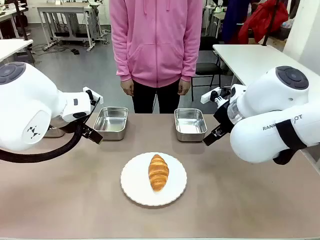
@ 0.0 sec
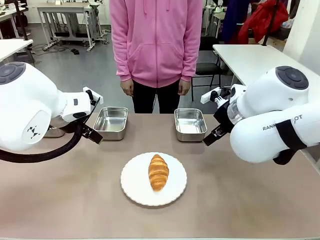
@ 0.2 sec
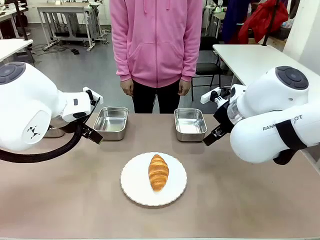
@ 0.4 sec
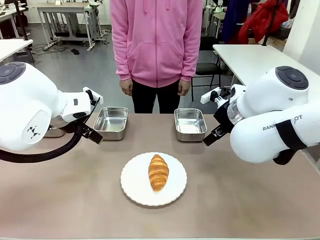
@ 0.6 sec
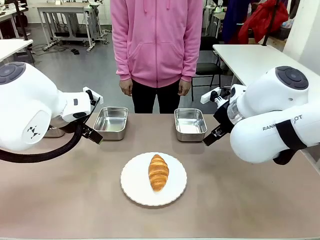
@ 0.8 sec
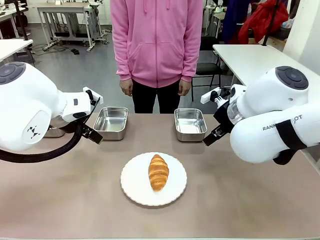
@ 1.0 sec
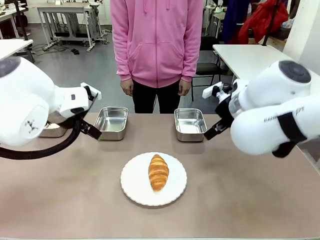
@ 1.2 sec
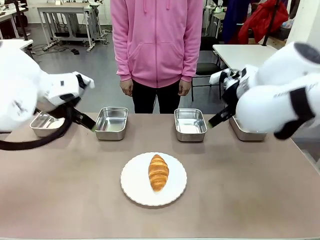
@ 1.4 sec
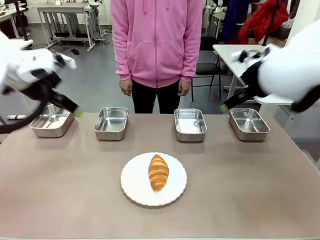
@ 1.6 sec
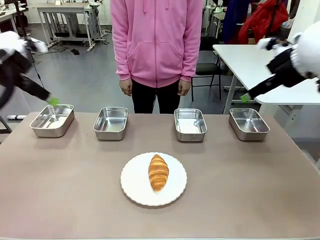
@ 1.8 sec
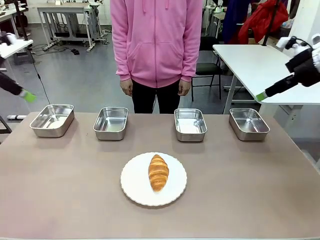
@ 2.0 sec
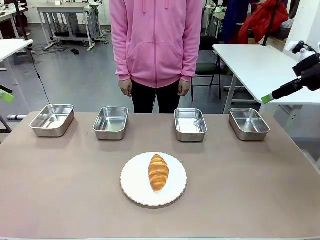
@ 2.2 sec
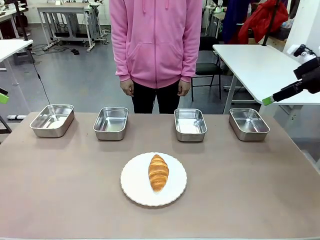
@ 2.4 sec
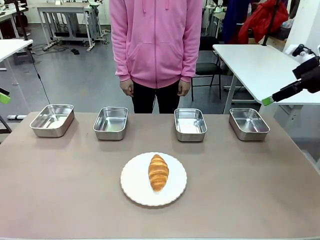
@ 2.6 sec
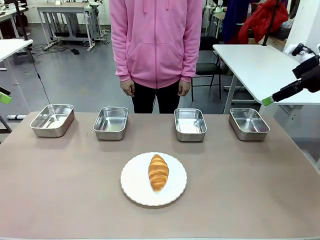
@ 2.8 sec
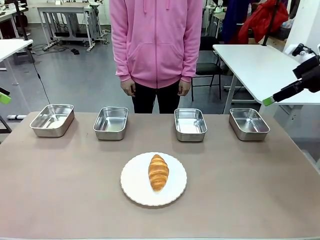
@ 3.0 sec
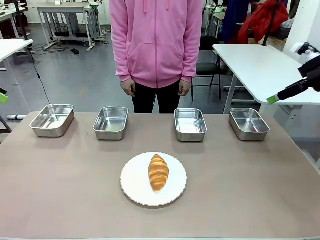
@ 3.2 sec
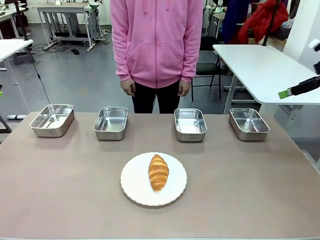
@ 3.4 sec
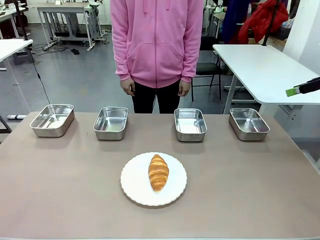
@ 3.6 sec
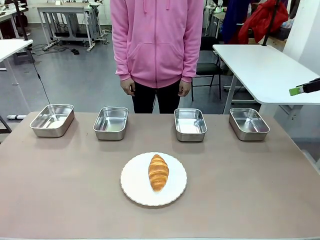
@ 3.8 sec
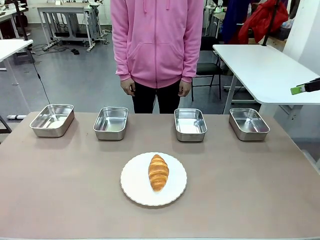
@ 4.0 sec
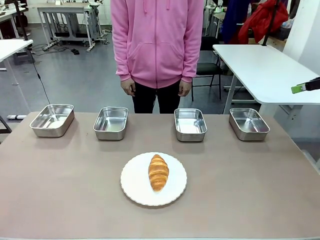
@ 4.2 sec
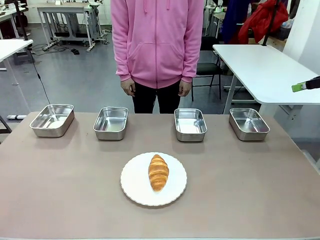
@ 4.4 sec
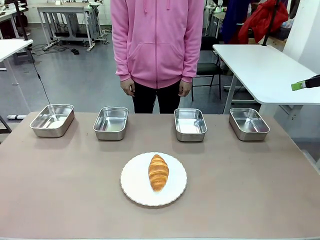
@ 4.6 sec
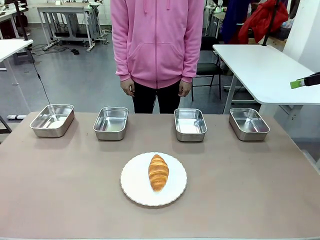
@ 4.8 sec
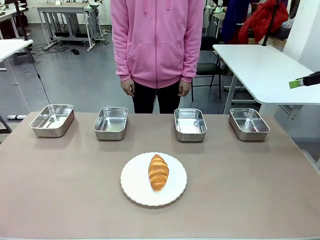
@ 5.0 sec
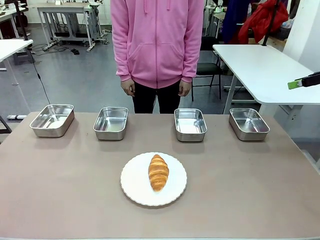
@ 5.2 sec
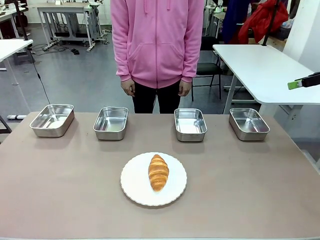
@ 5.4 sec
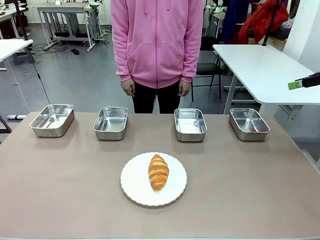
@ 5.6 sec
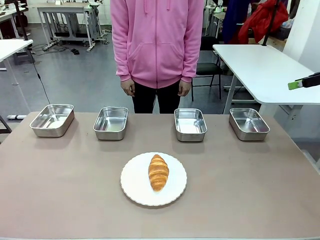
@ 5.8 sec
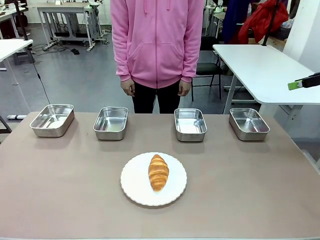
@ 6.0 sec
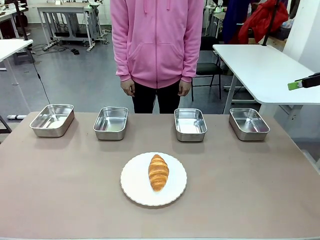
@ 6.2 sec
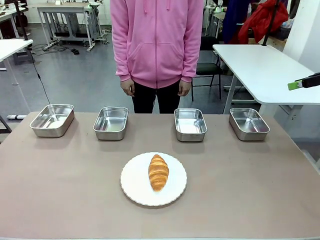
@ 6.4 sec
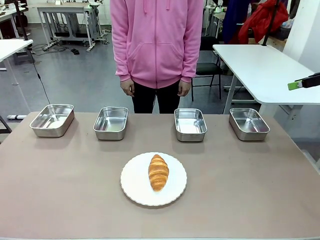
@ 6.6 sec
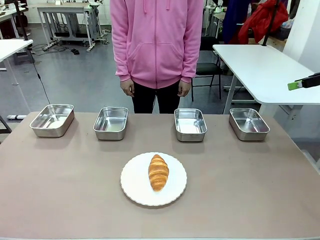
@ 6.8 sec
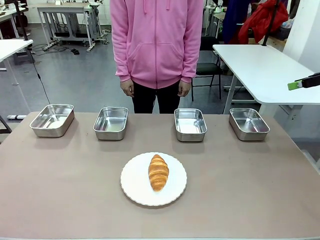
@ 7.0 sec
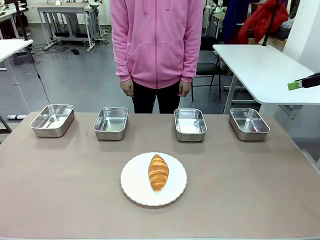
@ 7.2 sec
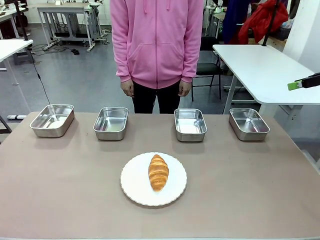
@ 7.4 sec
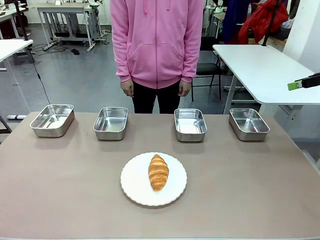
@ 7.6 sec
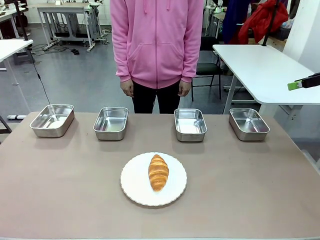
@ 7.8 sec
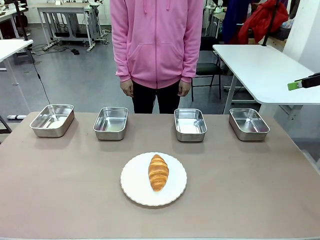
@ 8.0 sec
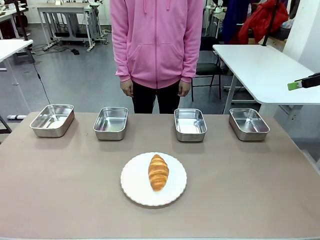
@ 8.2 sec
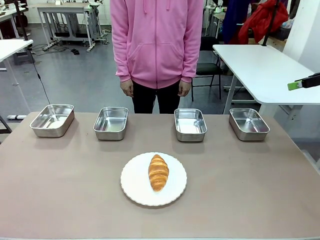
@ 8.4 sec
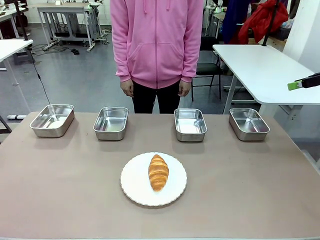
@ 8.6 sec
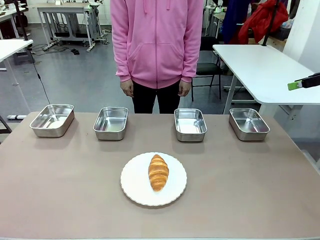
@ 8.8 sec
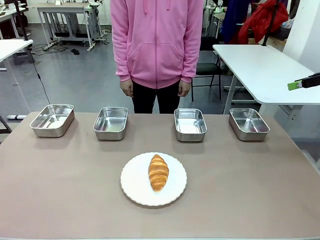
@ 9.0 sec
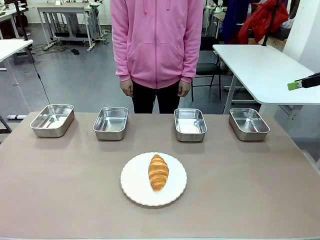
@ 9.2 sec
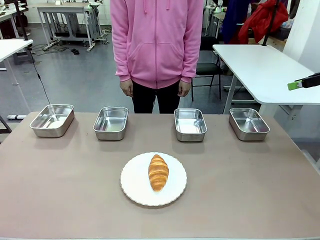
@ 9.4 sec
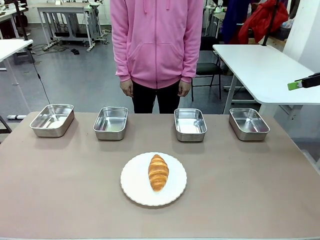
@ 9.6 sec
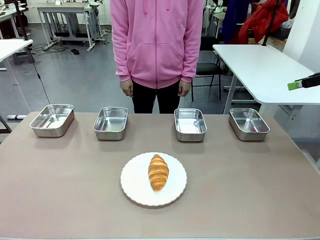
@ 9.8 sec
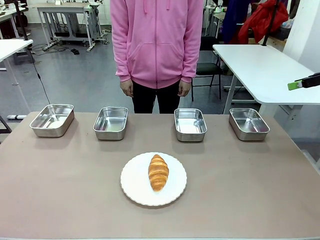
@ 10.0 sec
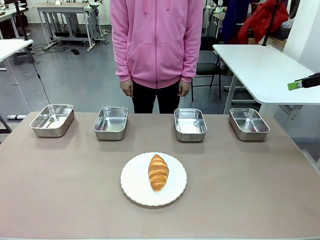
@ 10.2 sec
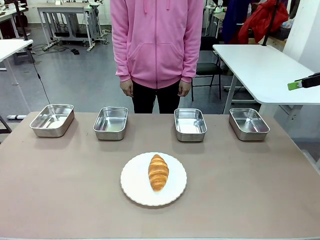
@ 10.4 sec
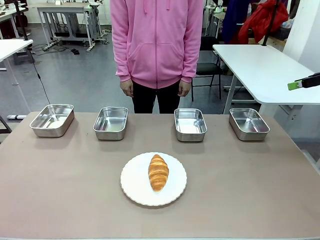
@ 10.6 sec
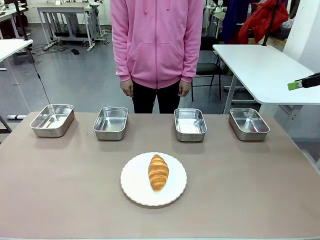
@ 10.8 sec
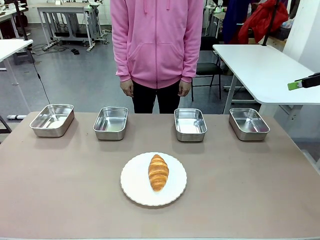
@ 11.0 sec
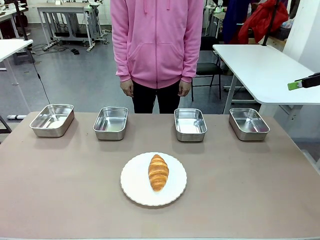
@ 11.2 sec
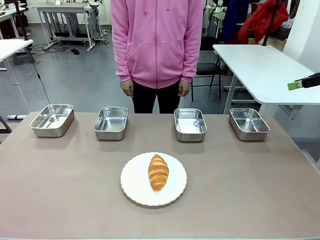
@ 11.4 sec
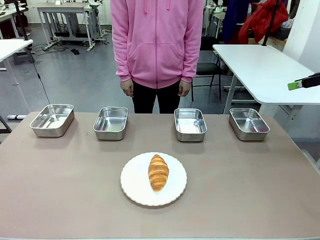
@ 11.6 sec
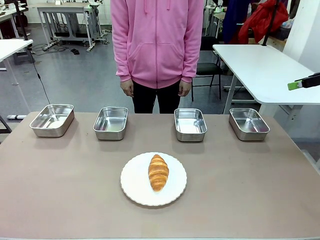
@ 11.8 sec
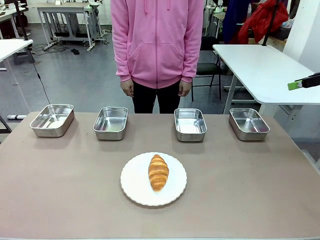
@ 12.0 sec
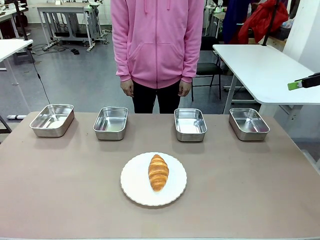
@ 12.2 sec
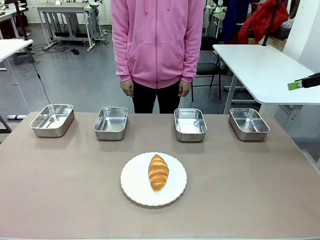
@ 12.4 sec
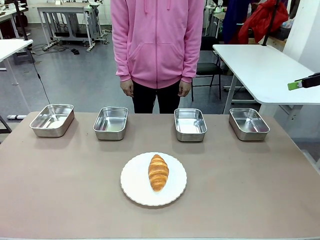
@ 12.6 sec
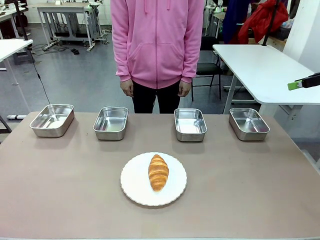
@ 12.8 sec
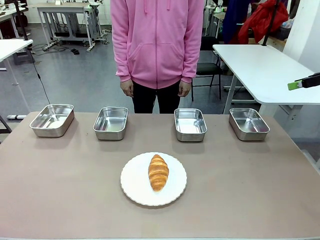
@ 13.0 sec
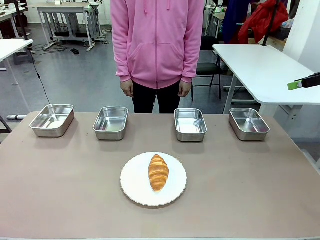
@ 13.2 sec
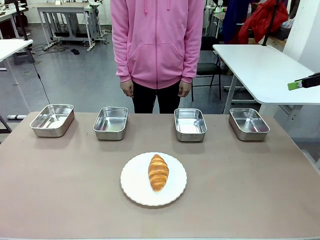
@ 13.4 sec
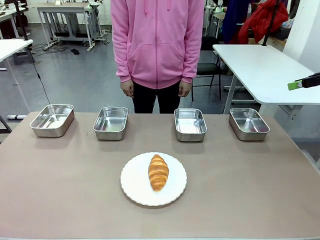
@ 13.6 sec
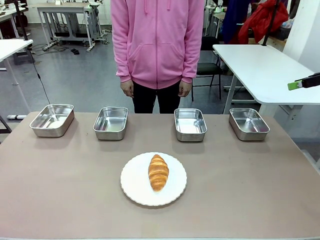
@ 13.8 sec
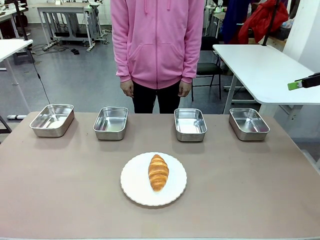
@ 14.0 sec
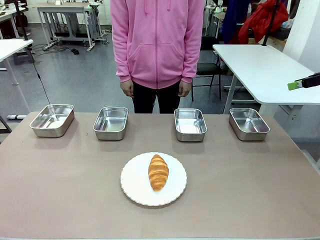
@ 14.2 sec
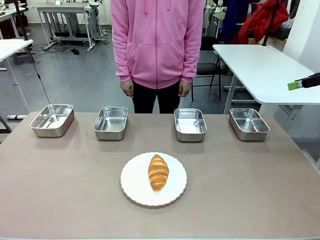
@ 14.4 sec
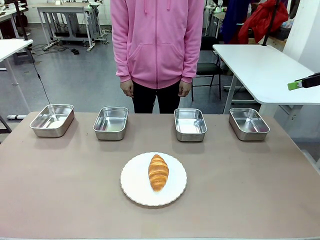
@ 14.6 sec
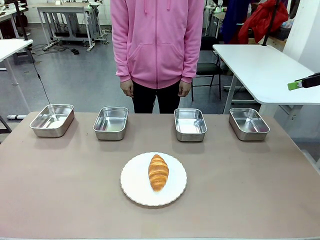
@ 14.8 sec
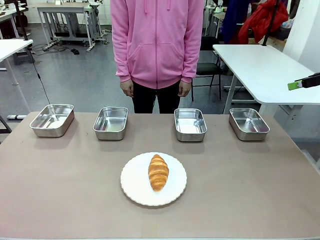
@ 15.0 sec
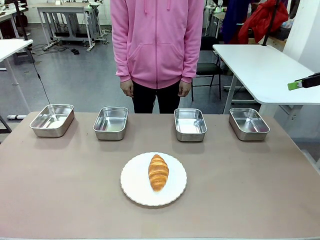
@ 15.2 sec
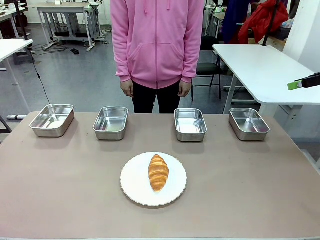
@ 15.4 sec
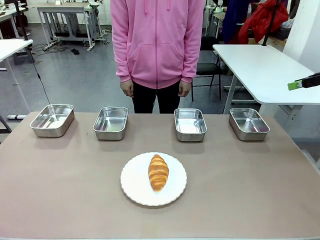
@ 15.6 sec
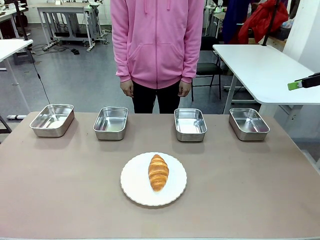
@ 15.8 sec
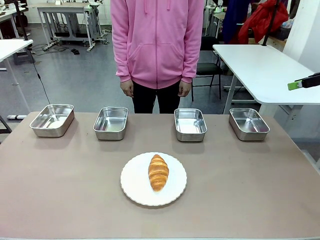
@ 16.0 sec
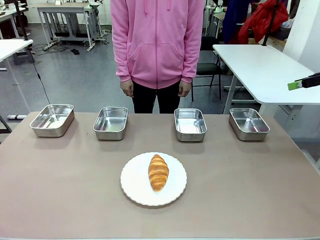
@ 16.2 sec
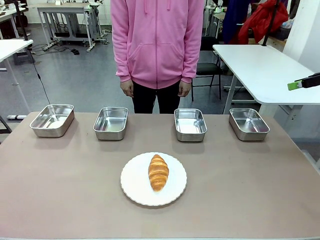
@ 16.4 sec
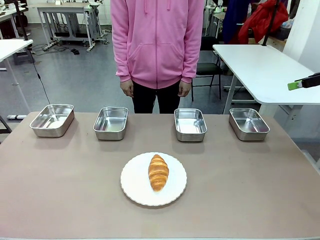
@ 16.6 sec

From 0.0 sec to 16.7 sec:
Task: Place the bread in the container.
Robot: Place the Butter Roll into the Airtight Container indicated by the human.
